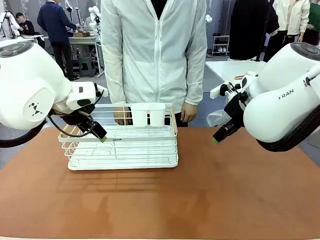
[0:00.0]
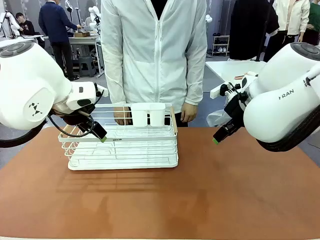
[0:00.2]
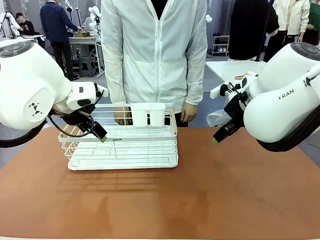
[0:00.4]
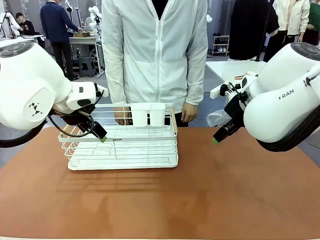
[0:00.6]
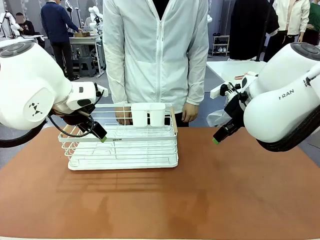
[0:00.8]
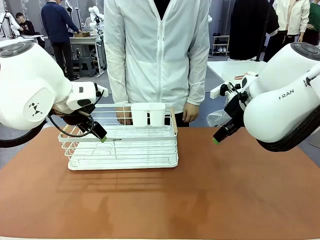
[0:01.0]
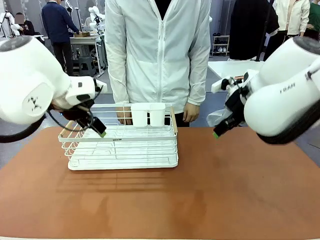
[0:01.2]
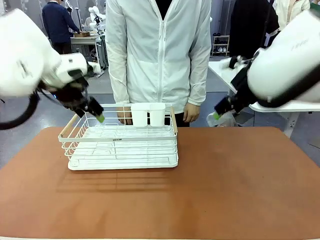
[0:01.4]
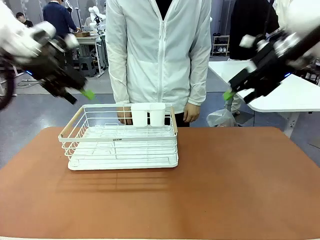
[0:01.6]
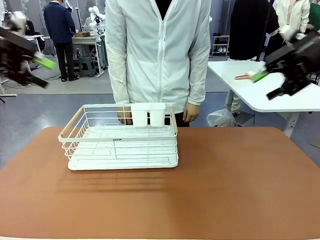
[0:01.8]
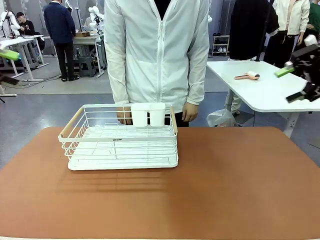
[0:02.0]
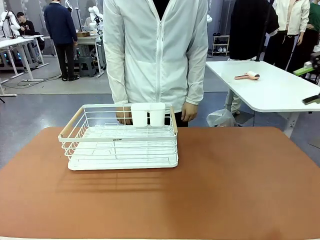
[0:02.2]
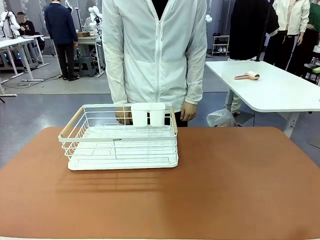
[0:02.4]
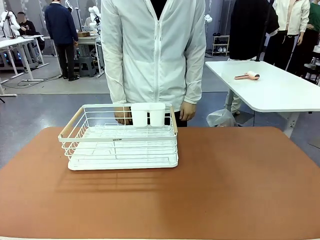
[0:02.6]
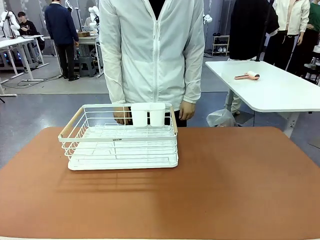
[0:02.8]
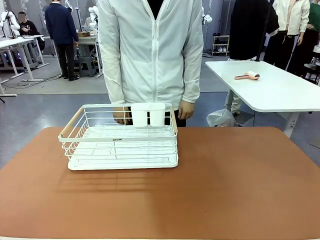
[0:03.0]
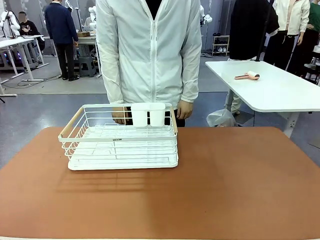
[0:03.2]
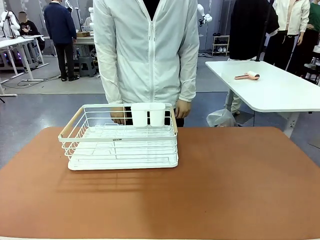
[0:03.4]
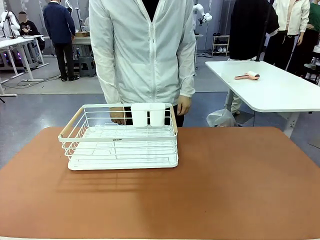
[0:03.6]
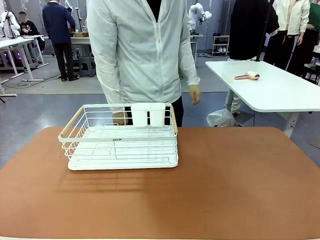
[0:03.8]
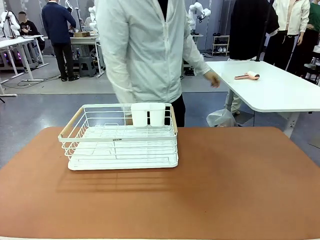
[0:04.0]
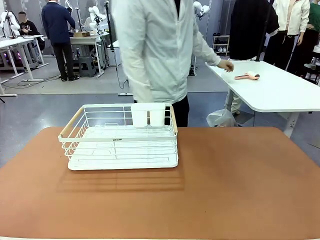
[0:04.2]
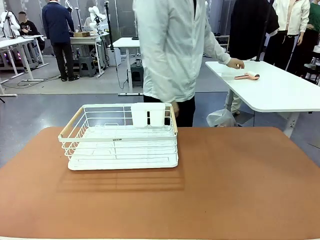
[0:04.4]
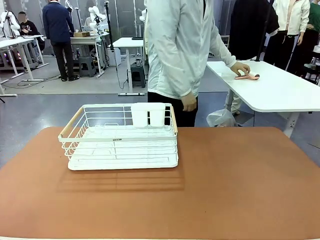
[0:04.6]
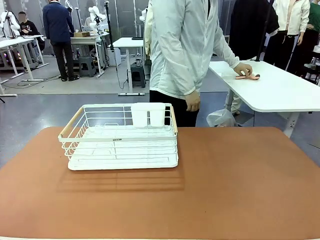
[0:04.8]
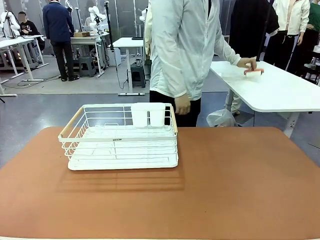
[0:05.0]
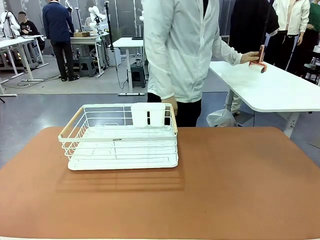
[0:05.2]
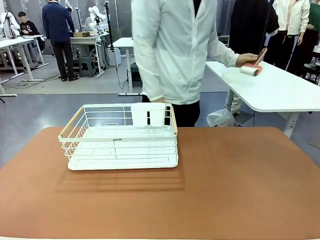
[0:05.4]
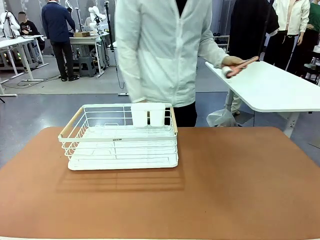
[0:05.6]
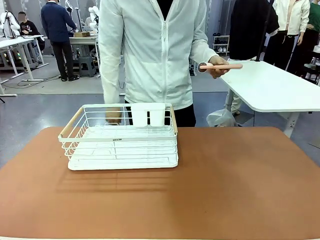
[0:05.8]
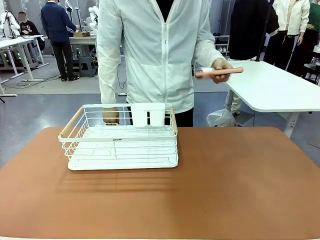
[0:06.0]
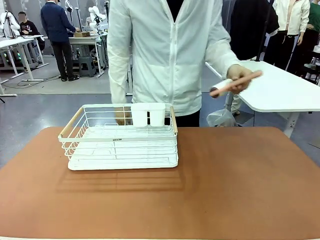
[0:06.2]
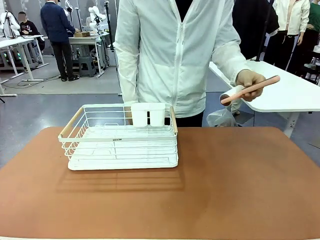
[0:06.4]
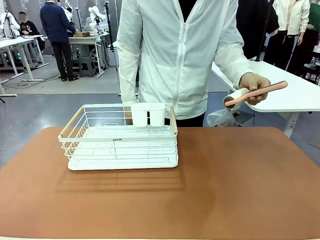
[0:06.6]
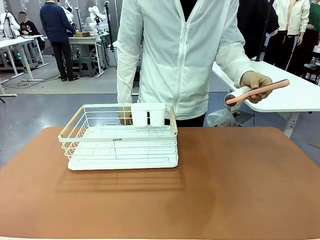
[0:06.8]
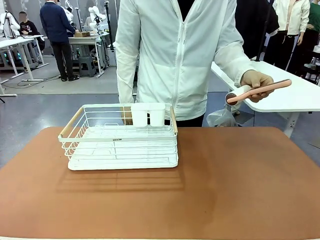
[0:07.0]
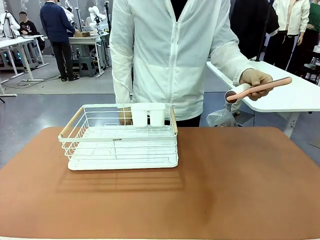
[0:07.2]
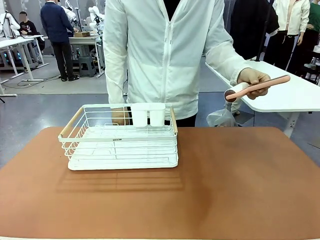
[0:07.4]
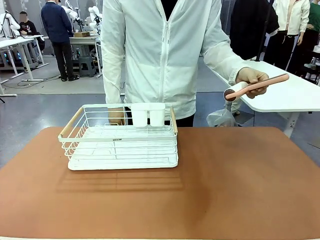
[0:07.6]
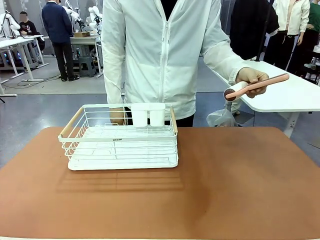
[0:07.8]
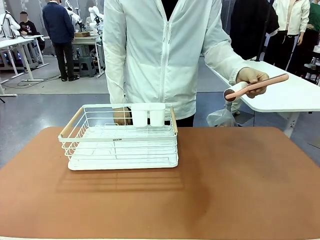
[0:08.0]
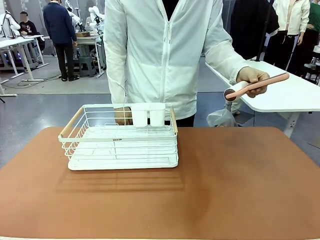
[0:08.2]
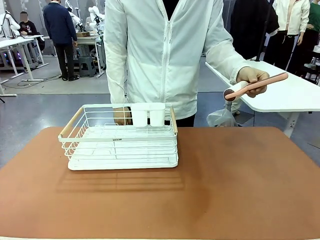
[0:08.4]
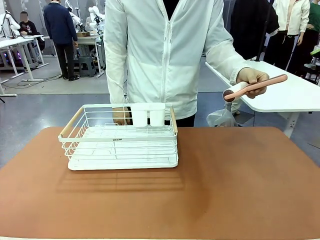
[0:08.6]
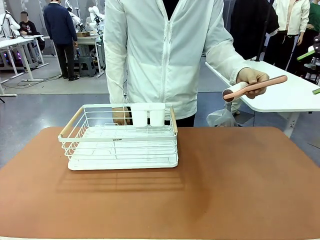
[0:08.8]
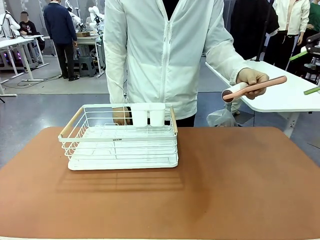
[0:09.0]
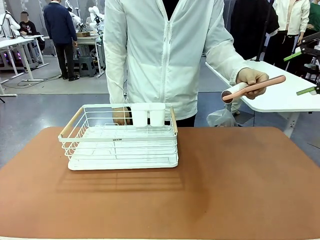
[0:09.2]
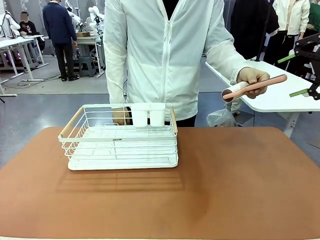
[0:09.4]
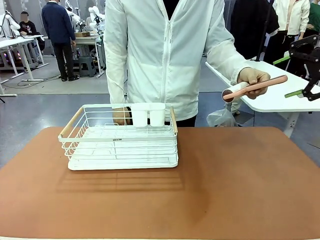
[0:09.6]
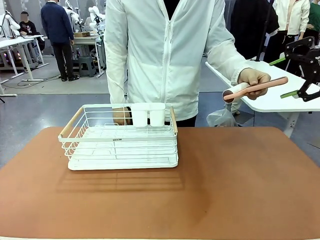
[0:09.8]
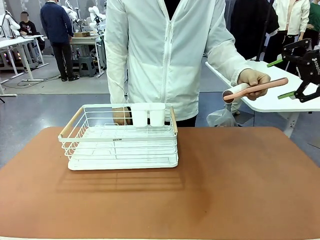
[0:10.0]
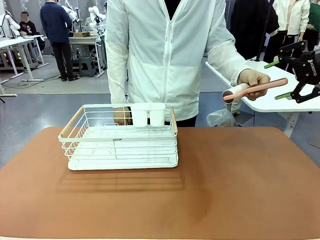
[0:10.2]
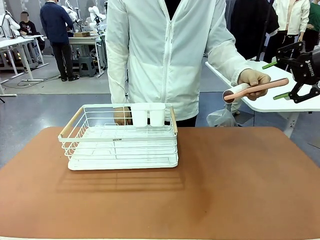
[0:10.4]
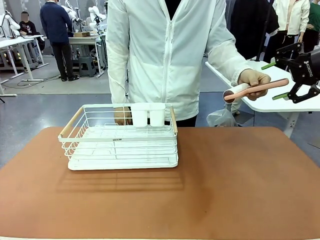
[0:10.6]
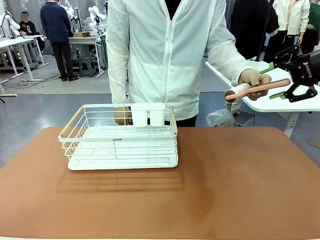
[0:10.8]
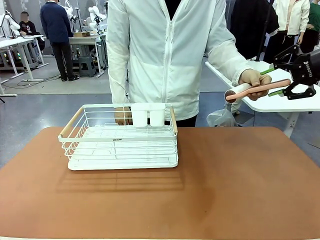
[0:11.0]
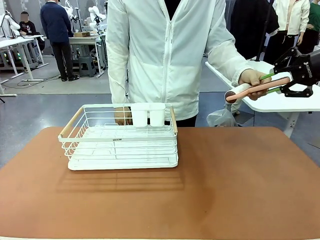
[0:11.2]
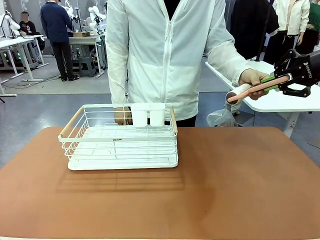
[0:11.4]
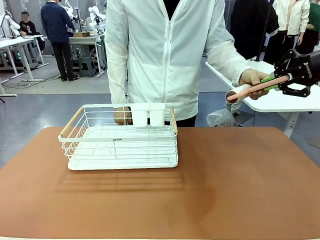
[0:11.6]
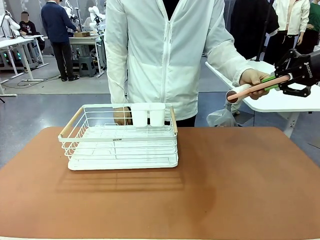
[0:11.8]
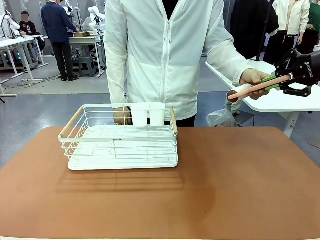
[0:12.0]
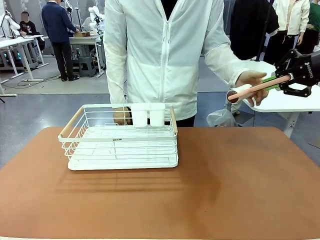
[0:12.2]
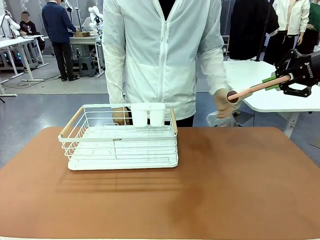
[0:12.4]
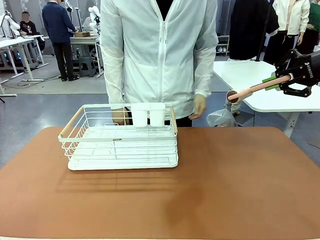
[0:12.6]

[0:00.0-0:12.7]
Task: Clean the table.
Robot: Pick up the Lint Roller when the human hands it over.
Person: Hand the Lint Roller to the robot so it can easily pick it up. Lift the Dish drying rack.
